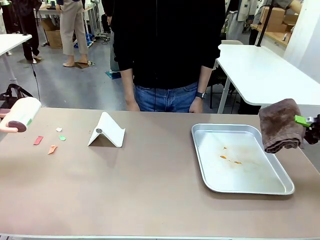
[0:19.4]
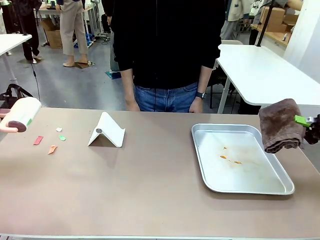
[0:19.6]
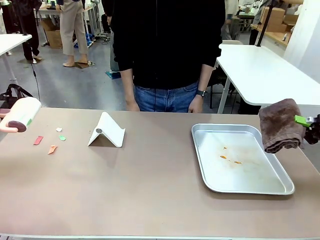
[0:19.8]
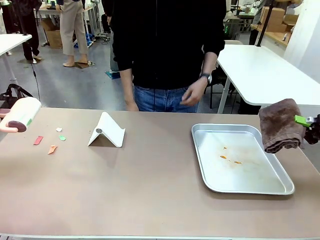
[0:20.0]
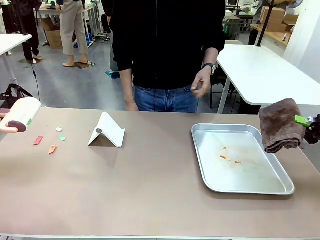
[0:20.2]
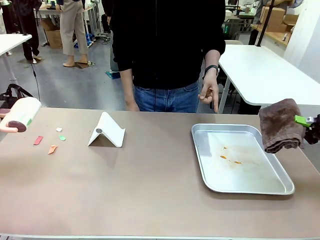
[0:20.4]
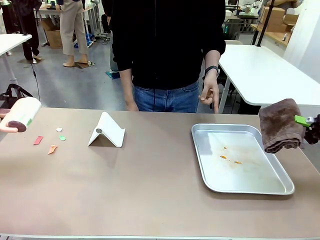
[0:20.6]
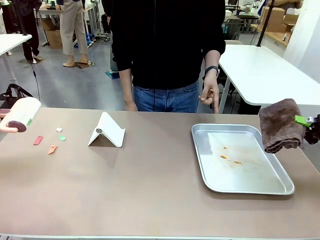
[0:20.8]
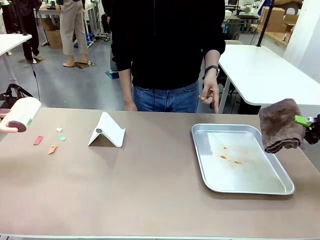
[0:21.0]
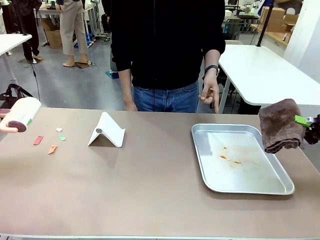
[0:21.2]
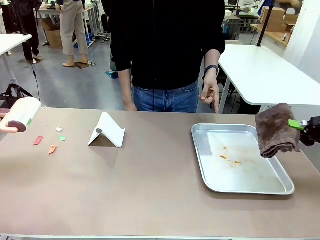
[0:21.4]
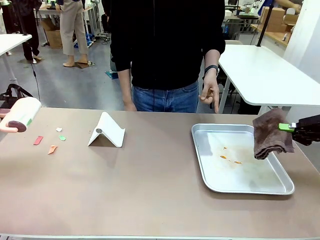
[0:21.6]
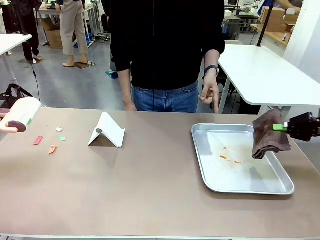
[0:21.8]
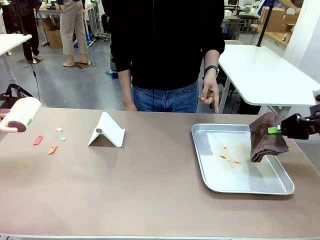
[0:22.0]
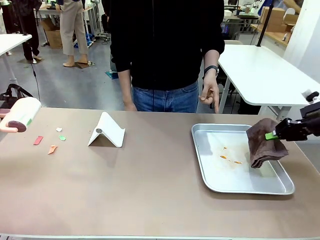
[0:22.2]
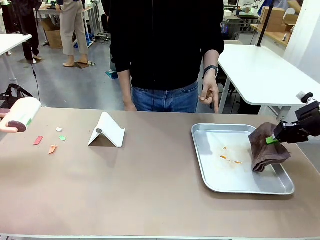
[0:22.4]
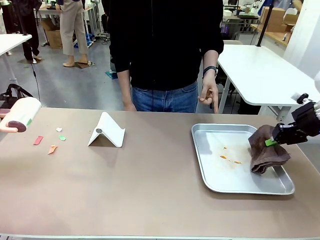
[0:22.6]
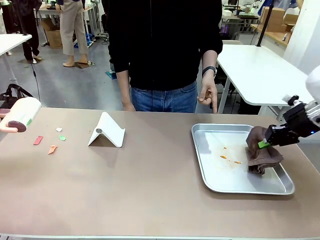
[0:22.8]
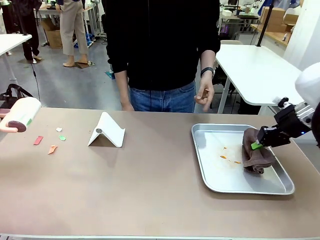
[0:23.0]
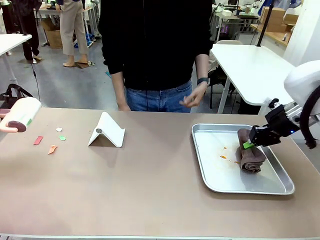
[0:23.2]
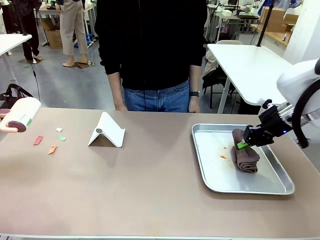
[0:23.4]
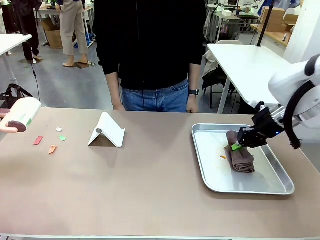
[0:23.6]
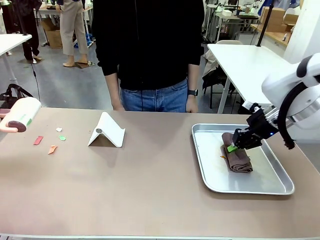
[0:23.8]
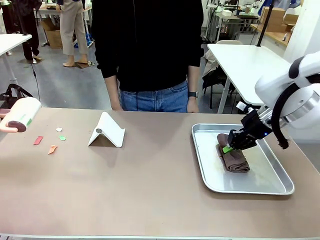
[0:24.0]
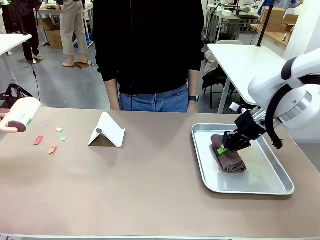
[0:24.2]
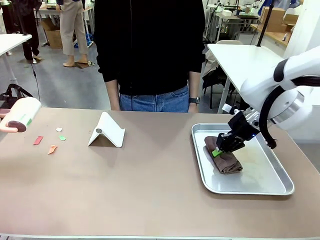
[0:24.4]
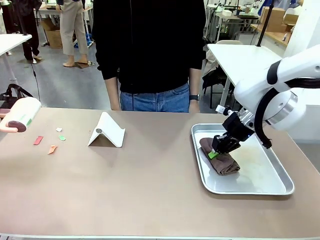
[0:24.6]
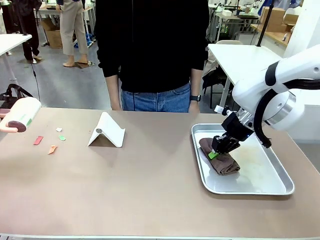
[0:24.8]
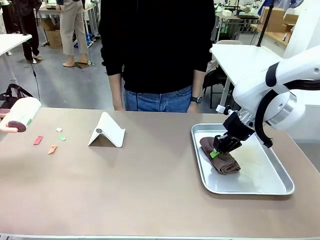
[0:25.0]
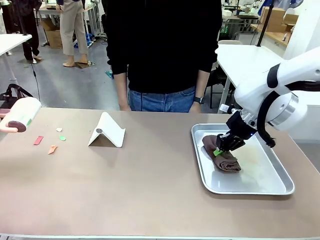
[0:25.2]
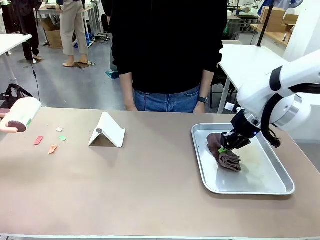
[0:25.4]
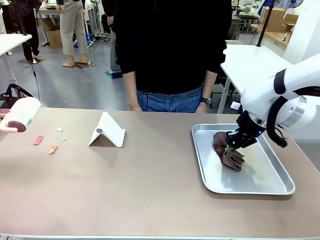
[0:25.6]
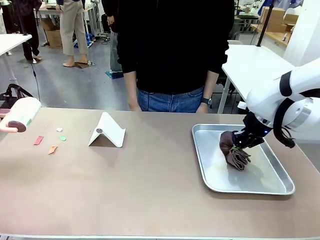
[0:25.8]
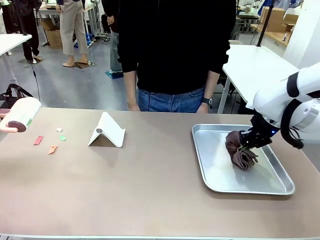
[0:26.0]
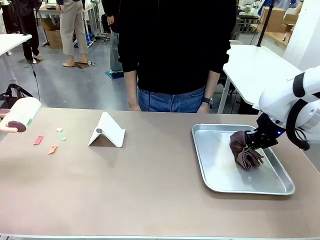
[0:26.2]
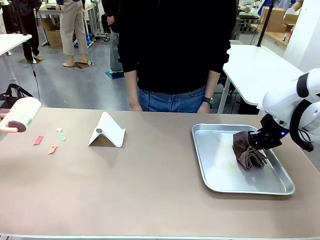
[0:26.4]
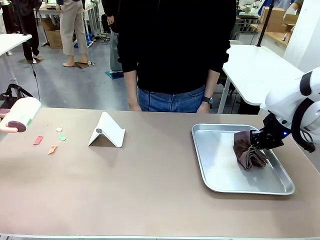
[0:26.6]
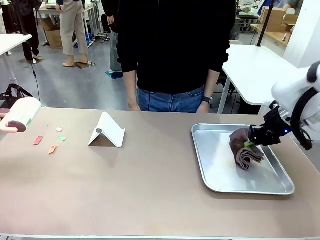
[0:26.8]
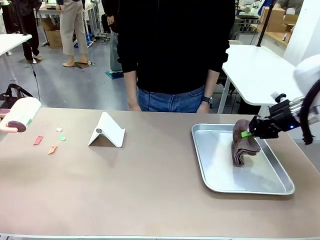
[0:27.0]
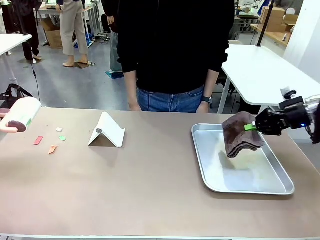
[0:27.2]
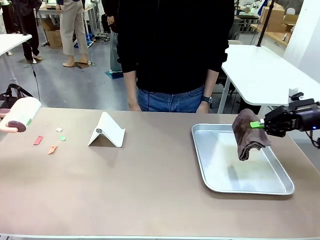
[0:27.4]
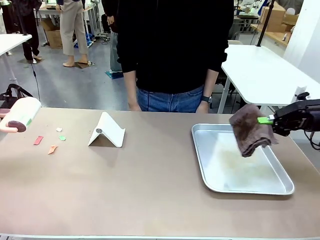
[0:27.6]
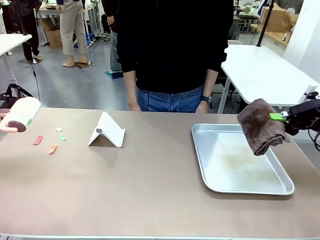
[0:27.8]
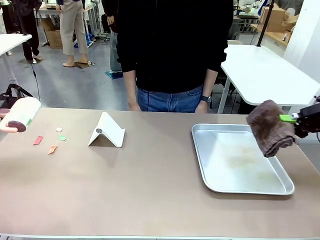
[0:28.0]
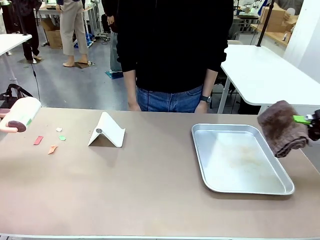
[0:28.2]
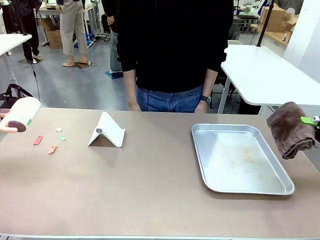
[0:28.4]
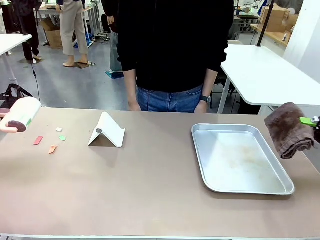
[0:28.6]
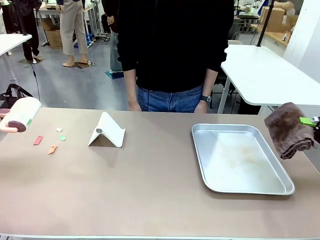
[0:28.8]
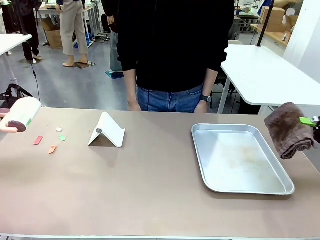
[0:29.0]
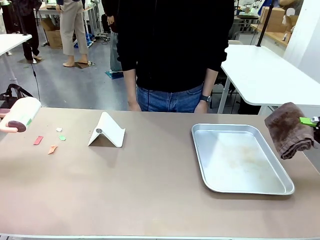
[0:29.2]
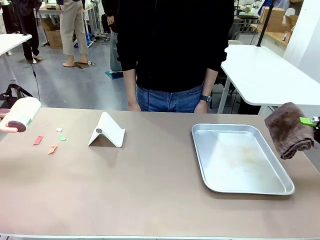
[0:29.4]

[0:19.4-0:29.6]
Task: Clean the surface of the table.
Robot: If a person points to the right, clean the right side of the table with your right hand, and if they point to the left, clean the left side with your left hand.

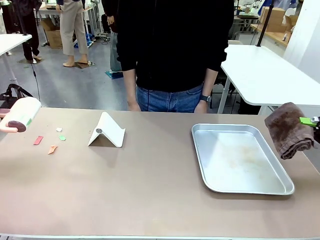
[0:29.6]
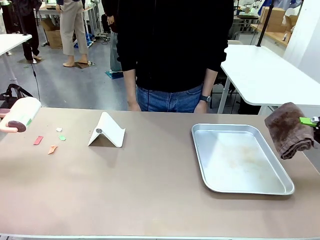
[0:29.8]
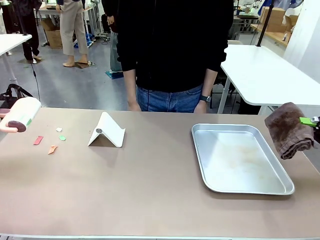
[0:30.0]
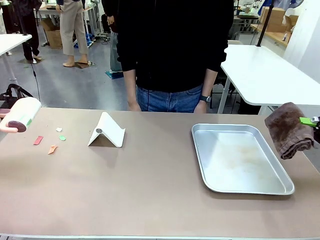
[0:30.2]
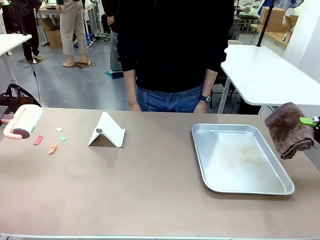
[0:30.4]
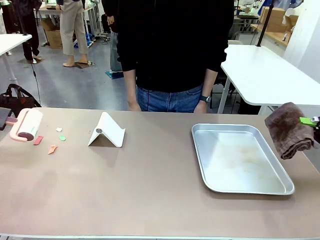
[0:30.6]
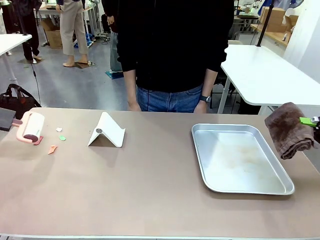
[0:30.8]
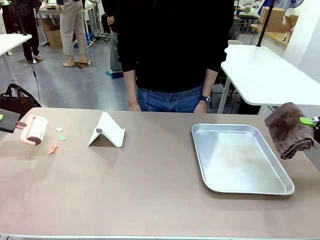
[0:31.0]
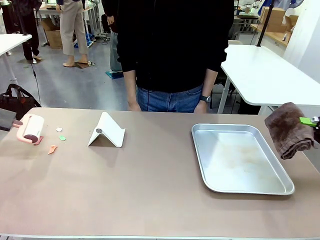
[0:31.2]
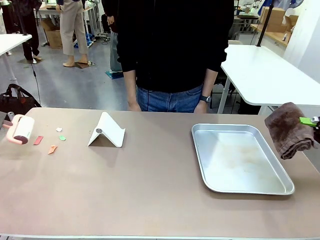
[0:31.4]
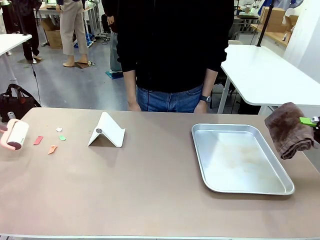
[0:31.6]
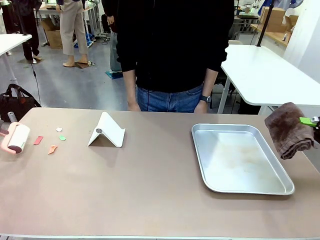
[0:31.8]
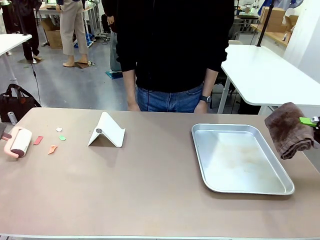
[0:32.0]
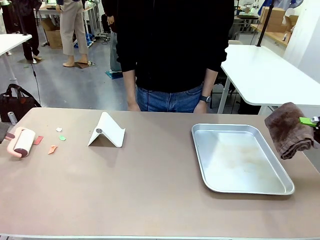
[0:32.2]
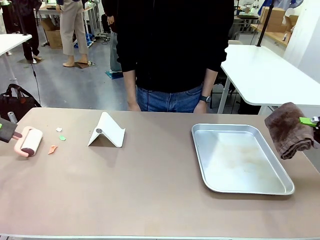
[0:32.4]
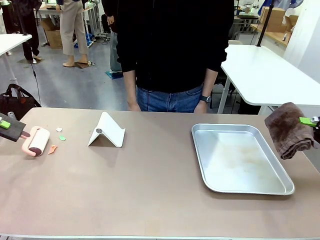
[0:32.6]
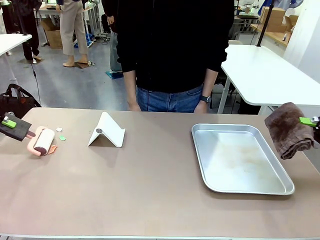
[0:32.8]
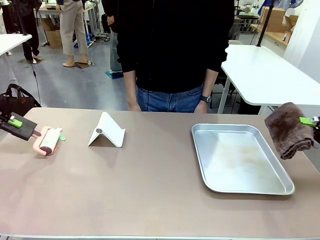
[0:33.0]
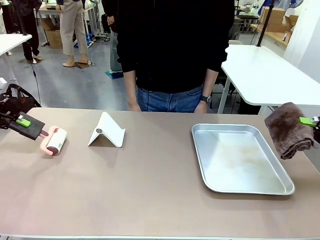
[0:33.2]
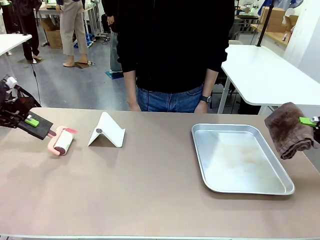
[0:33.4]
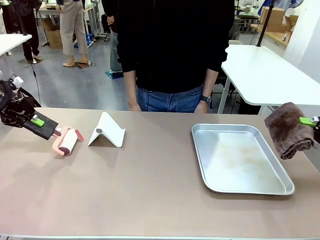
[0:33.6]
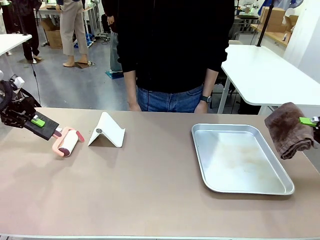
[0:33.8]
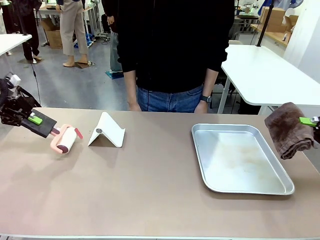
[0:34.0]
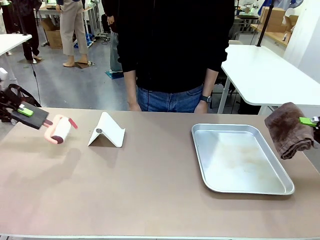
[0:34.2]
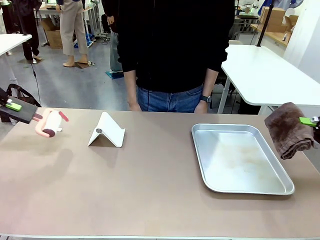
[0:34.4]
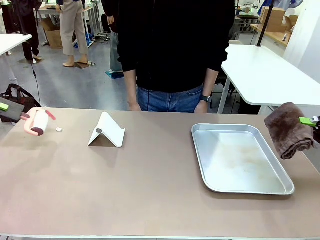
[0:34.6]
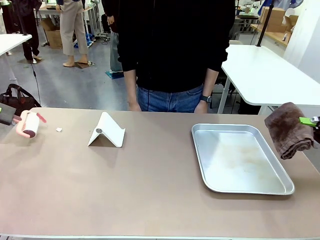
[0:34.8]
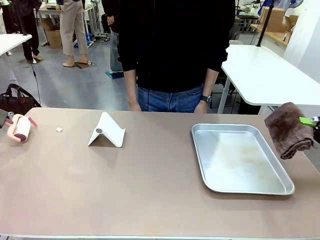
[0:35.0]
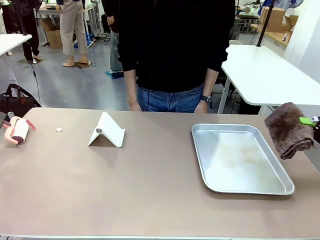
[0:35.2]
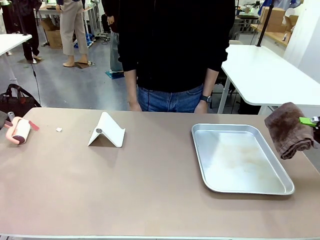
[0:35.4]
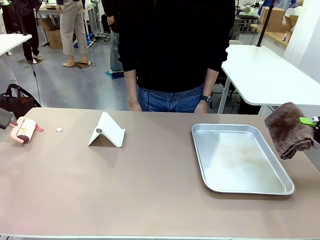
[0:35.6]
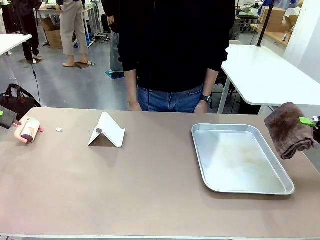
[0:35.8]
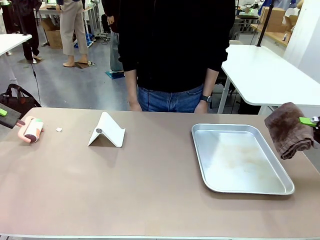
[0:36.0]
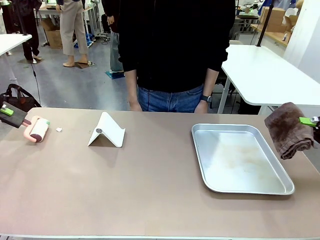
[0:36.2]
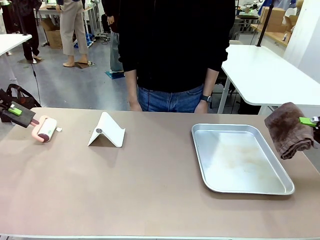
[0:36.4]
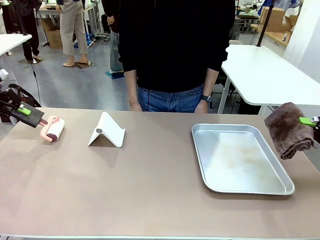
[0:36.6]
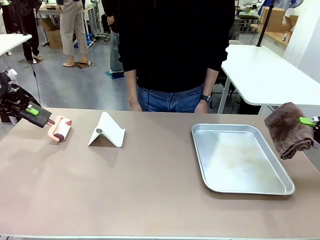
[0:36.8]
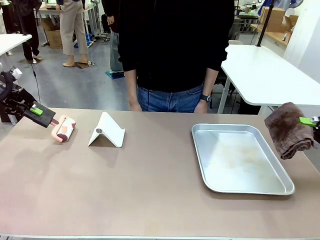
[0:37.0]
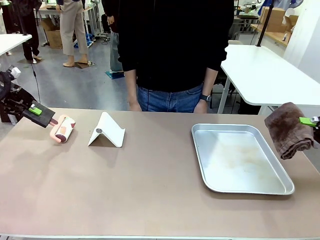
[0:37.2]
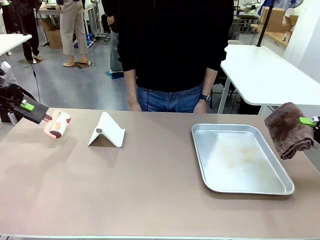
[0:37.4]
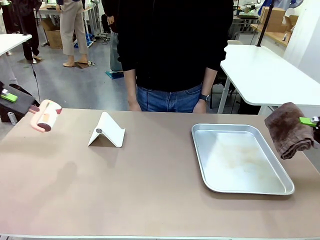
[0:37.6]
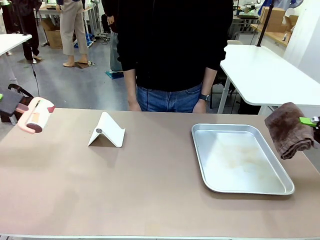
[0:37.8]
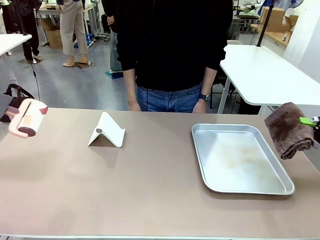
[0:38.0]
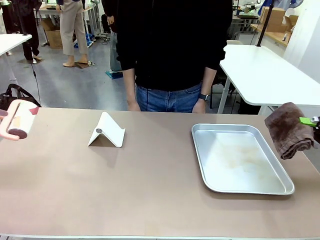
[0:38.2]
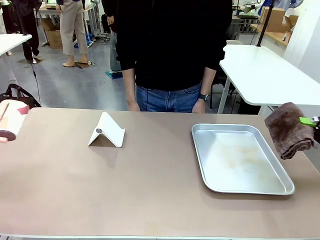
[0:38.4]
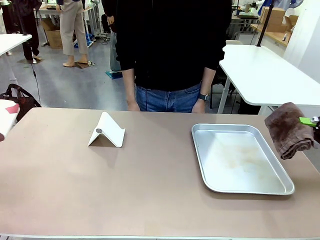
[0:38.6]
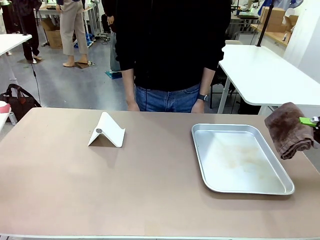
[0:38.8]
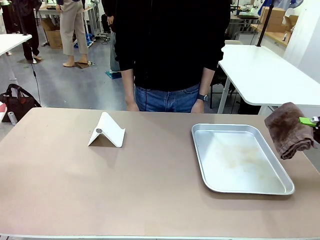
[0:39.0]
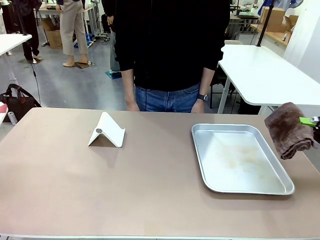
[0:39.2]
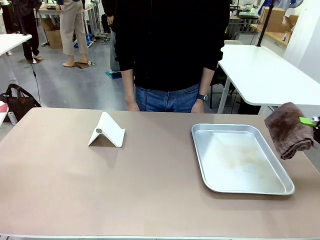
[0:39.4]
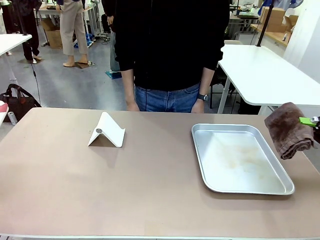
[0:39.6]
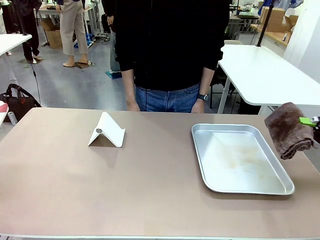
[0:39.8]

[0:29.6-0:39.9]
Robot: Clean the area not pointed to by the person.
